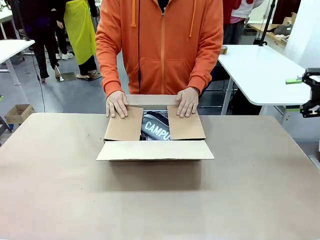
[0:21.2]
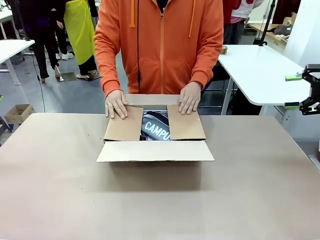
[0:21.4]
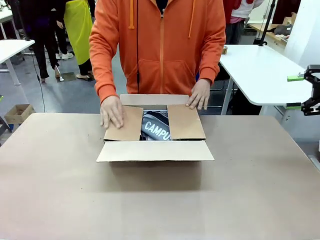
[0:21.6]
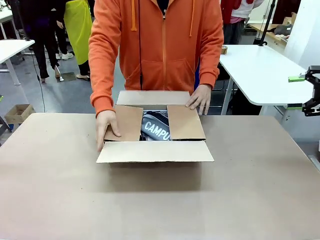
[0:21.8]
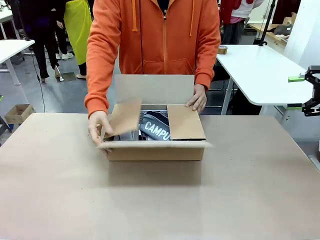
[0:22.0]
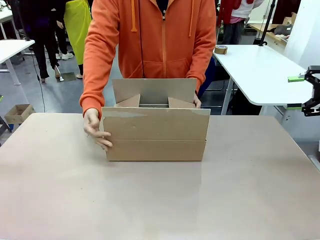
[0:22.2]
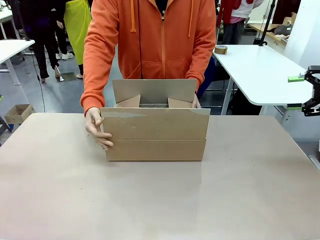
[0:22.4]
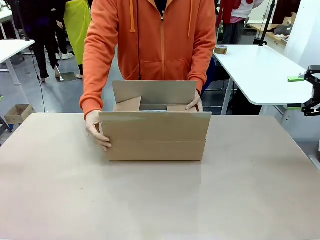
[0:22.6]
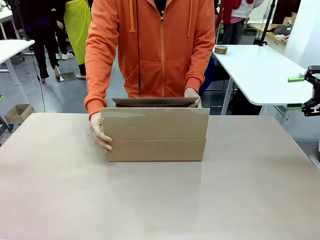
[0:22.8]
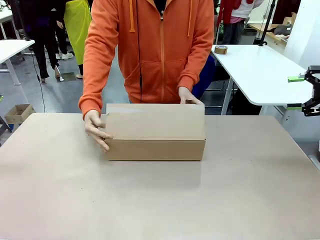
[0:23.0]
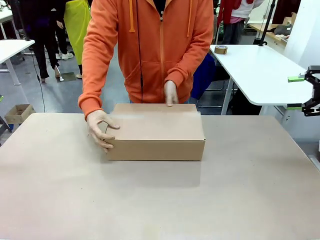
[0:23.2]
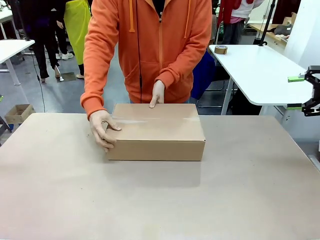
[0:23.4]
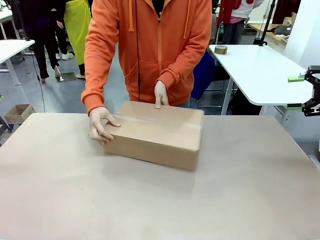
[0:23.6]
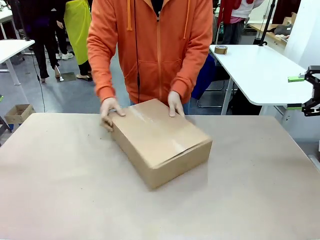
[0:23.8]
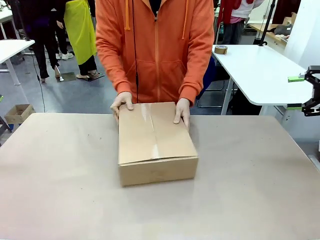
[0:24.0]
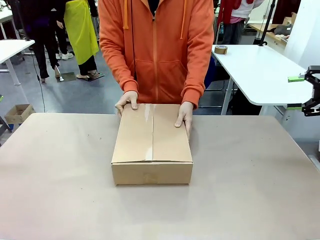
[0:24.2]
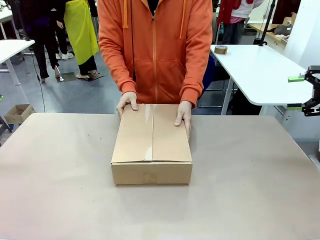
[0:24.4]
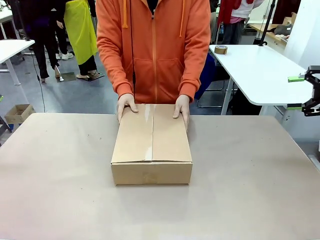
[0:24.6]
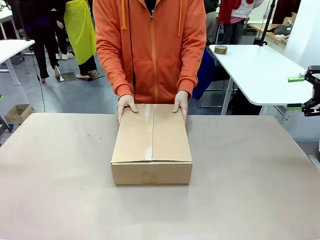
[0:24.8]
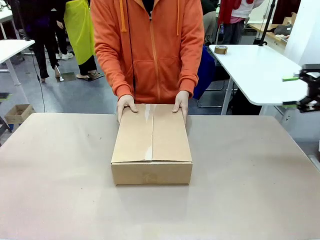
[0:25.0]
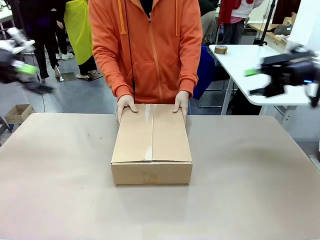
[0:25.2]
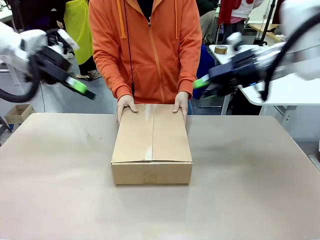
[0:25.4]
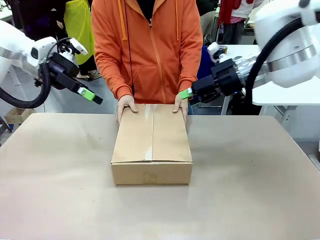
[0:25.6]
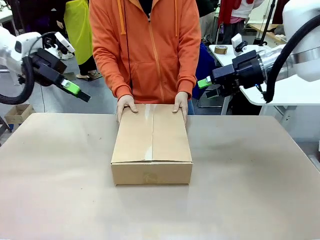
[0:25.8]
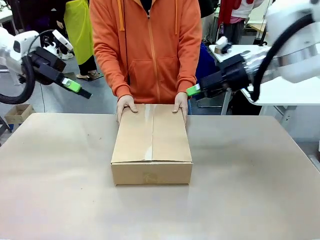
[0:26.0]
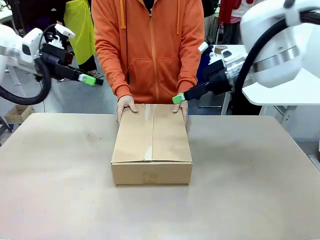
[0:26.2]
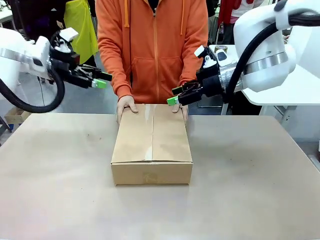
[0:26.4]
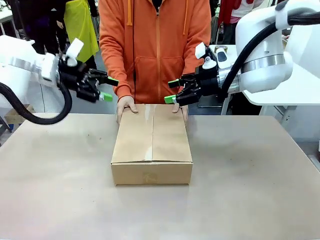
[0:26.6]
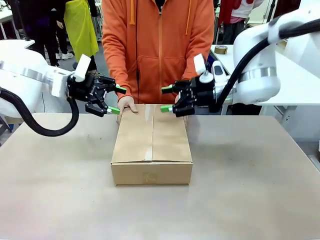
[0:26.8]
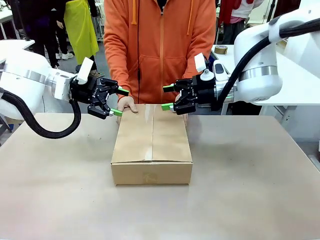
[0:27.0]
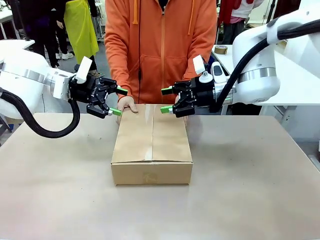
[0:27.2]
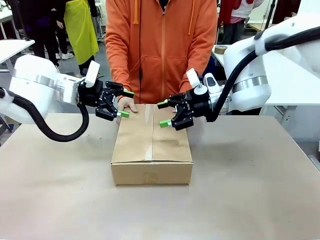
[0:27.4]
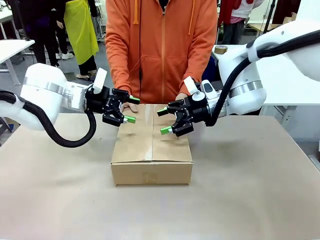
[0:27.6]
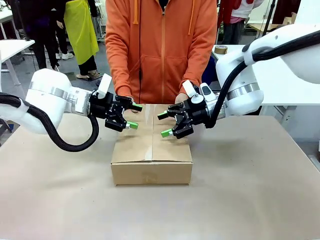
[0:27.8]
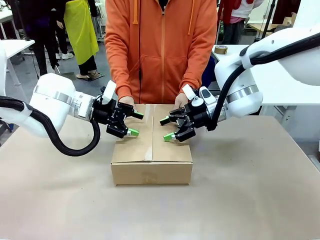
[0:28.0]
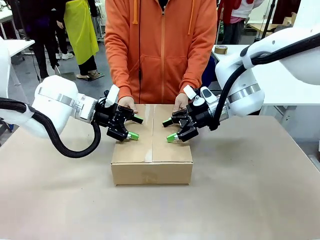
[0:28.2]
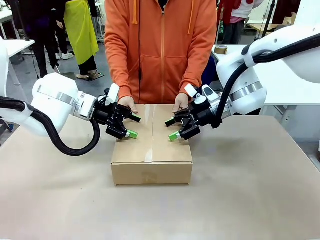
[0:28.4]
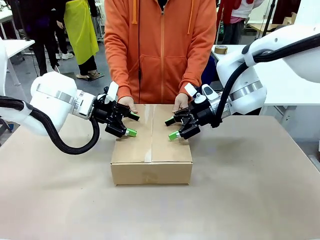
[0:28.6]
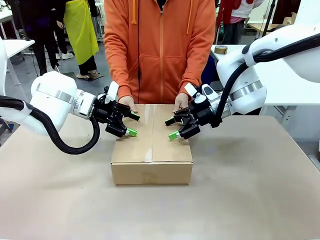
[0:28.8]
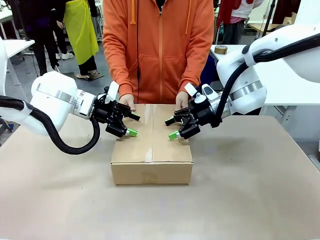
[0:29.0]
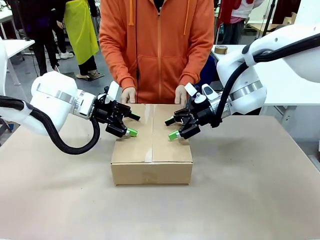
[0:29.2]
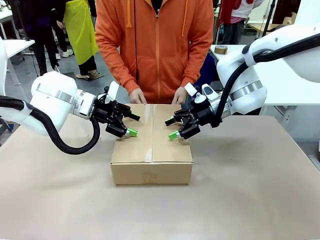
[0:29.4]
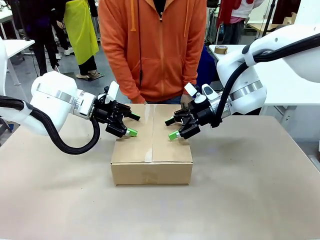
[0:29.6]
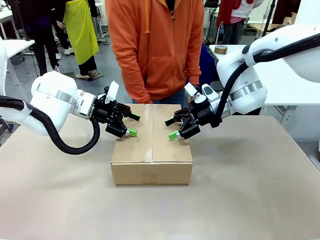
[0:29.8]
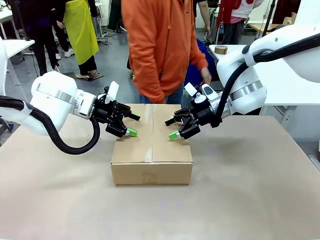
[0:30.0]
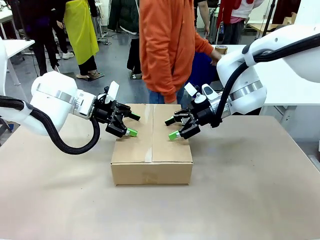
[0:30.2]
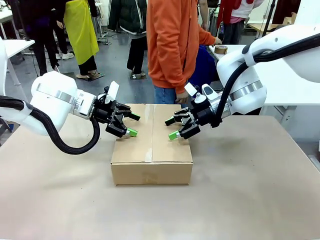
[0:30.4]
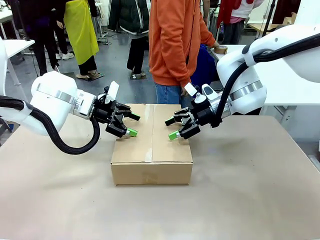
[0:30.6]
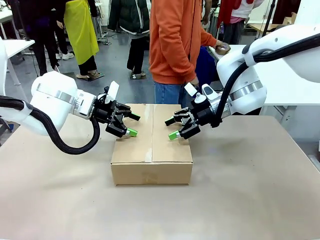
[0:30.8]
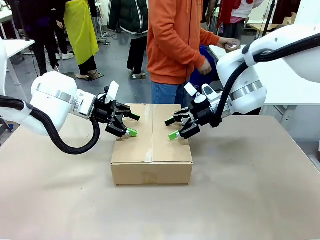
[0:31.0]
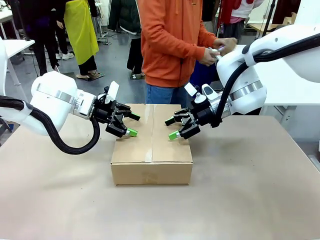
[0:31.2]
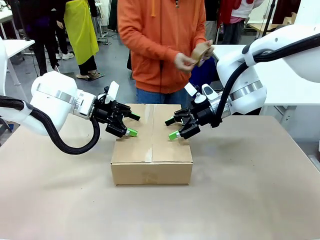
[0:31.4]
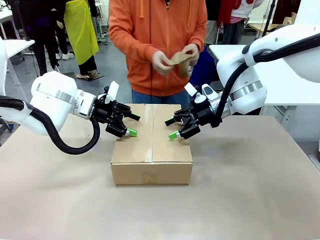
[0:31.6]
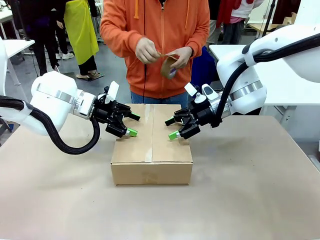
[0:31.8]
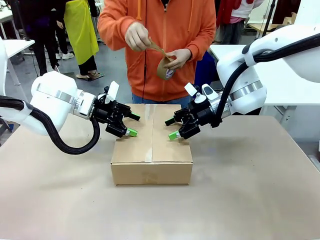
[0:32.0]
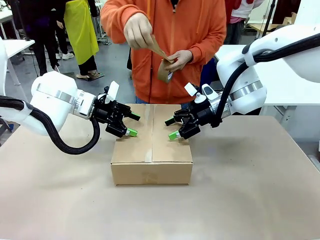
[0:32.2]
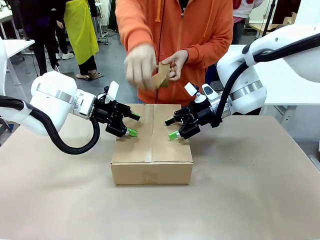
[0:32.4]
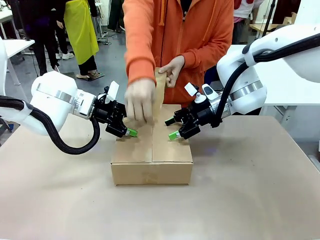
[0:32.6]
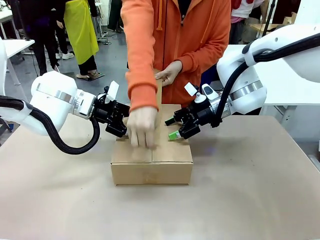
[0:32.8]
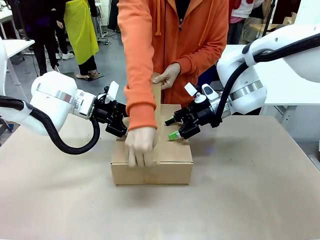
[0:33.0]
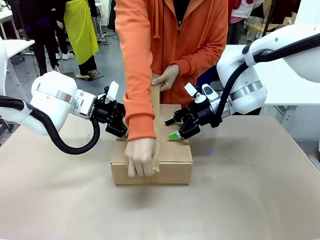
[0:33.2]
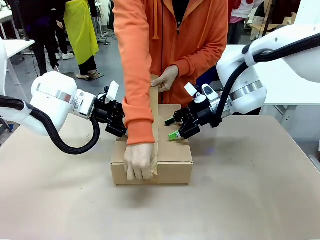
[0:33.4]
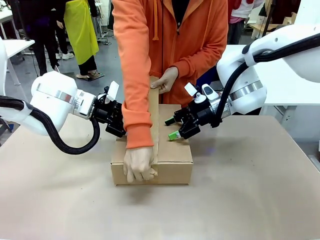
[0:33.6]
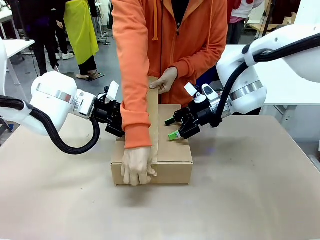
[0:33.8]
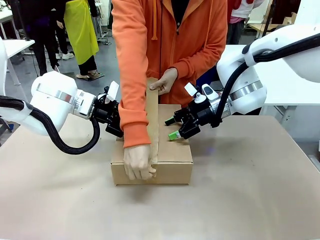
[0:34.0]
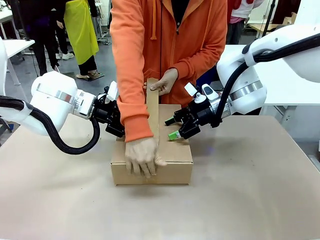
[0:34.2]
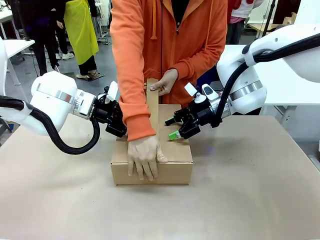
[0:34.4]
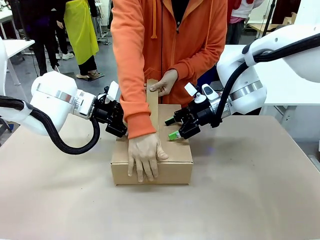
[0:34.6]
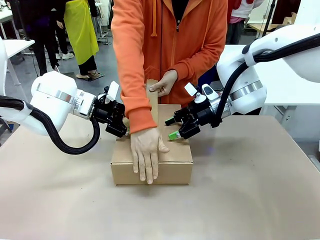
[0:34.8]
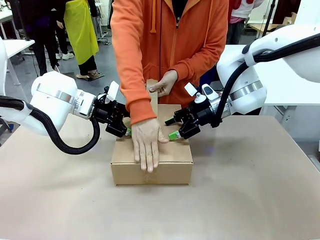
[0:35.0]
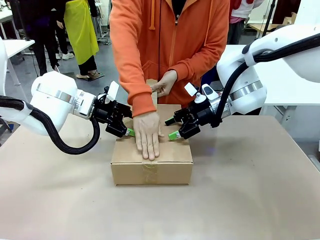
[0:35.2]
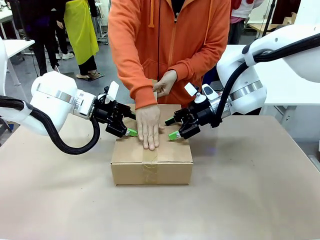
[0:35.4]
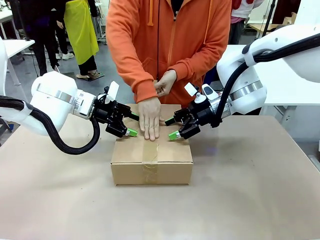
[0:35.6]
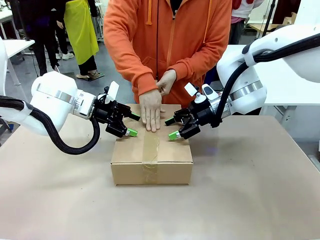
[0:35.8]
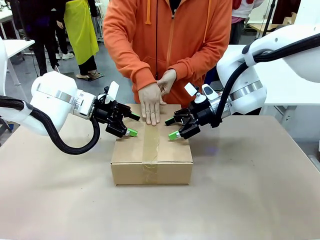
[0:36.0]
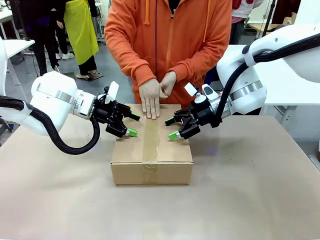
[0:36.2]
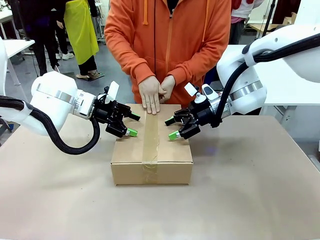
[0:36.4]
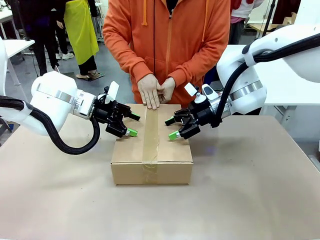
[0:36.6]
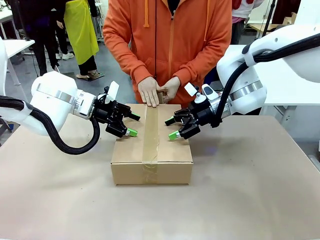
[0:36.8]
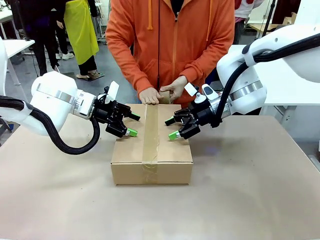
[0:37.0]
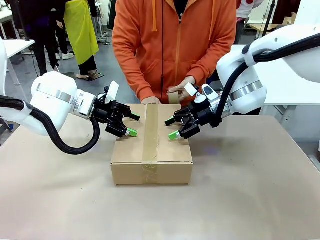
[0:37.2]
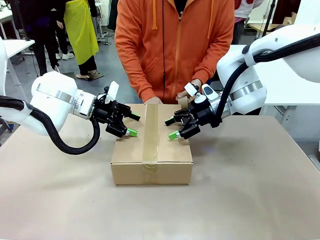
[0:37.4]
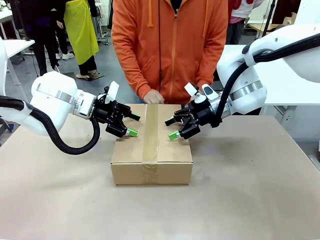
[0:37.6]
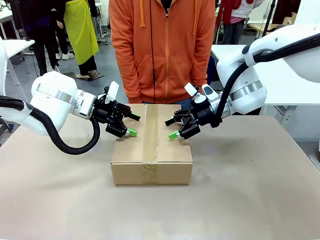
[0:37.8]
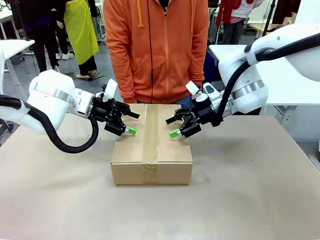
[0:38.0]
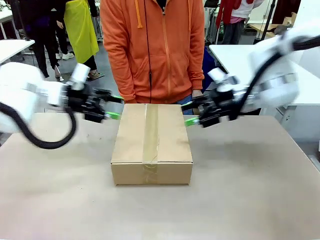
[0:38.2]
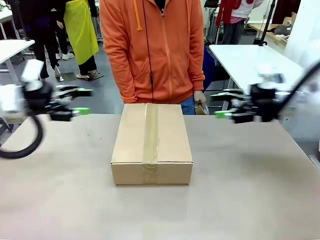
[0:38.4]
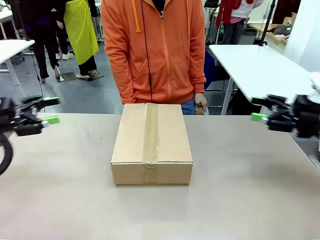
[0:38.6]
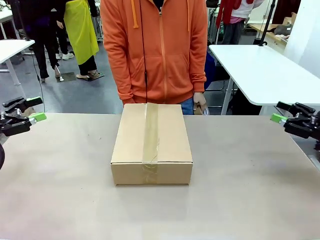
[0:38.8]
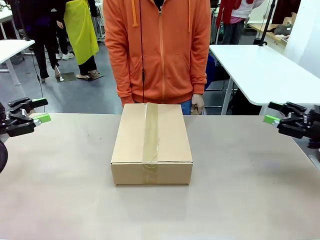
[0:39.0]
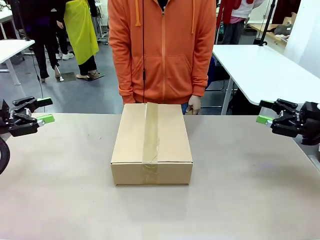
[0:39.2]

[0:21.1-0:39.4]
Task: Pack the gift set into the box.
Robot: Press and hold the closed box until the human finishes sealing it.
Person: The human closes the box and rotates the box by 90 degrees. The human picks up the paper tape from the human table and packs the box.
